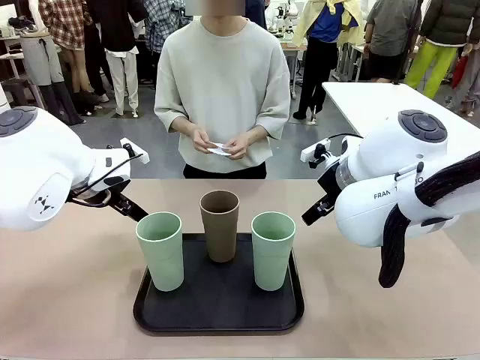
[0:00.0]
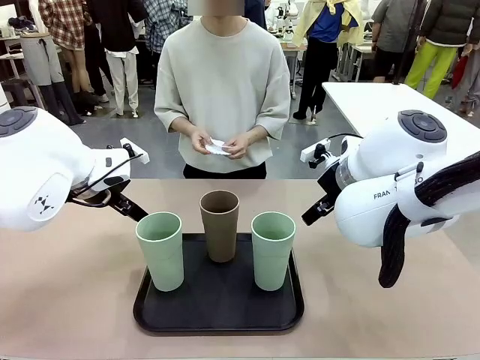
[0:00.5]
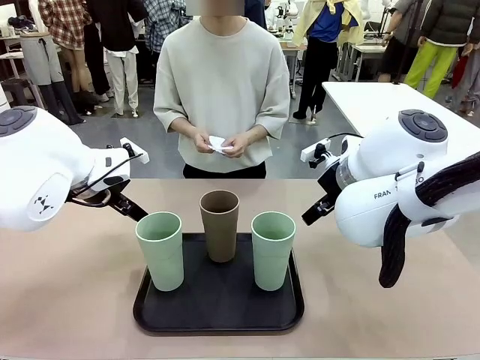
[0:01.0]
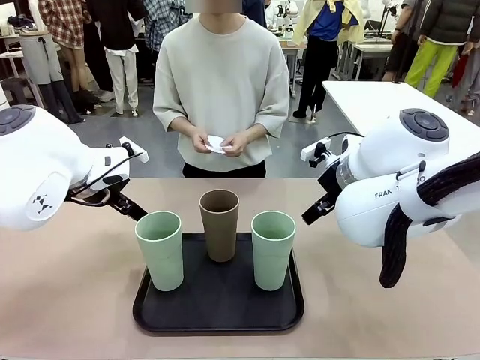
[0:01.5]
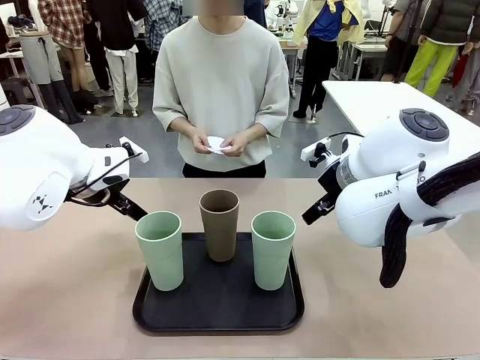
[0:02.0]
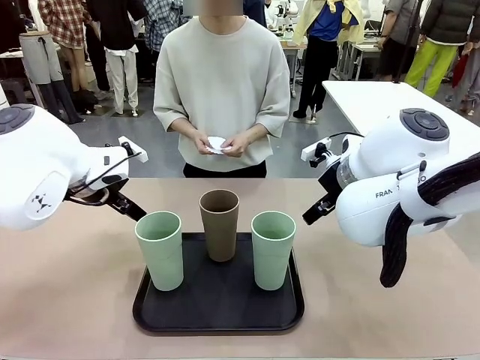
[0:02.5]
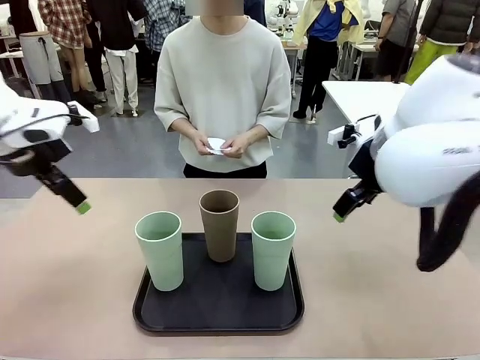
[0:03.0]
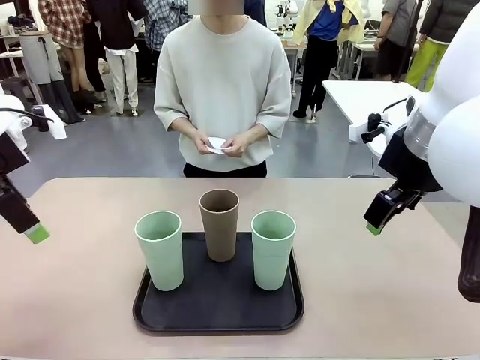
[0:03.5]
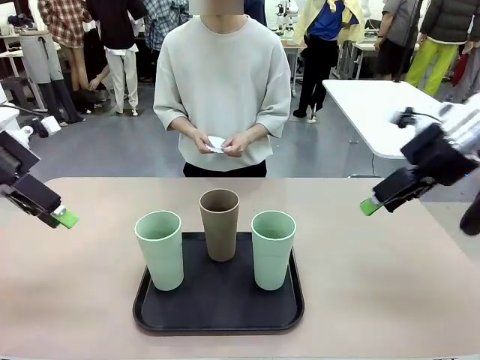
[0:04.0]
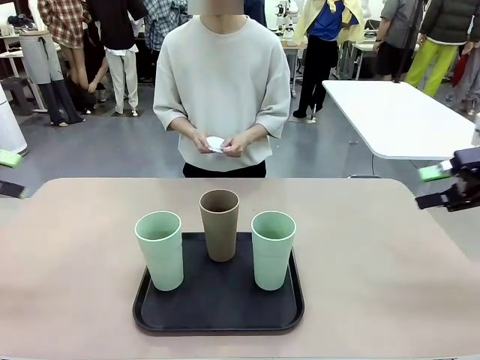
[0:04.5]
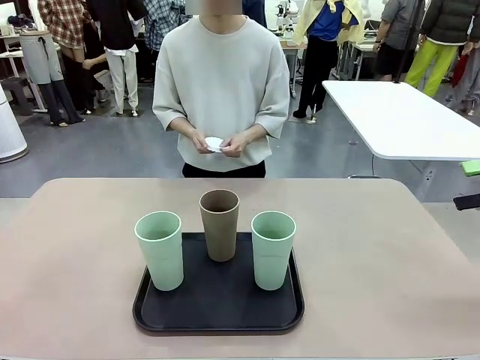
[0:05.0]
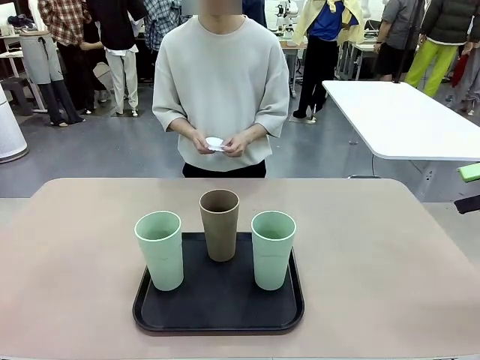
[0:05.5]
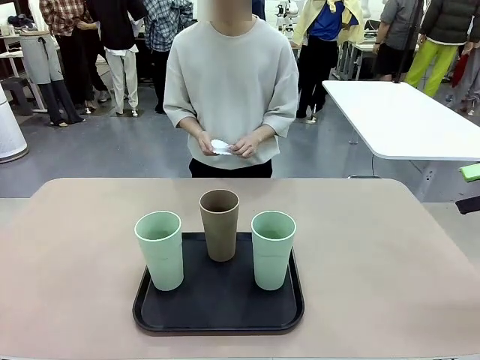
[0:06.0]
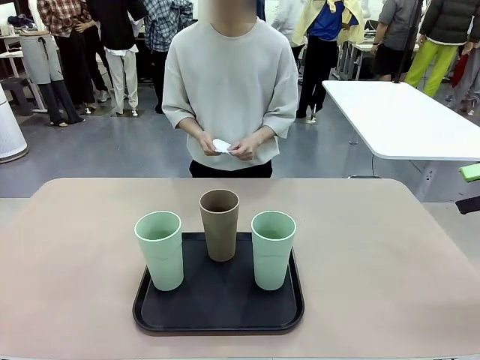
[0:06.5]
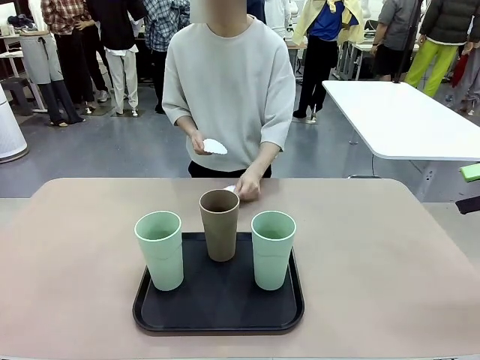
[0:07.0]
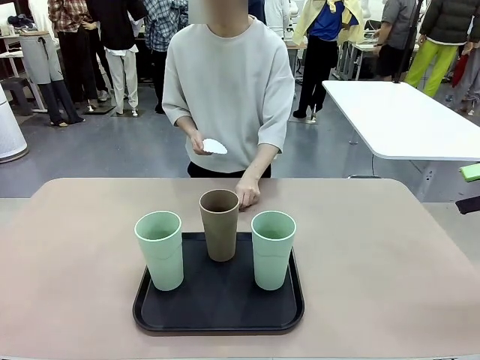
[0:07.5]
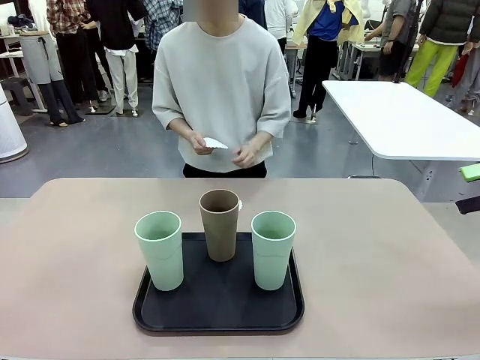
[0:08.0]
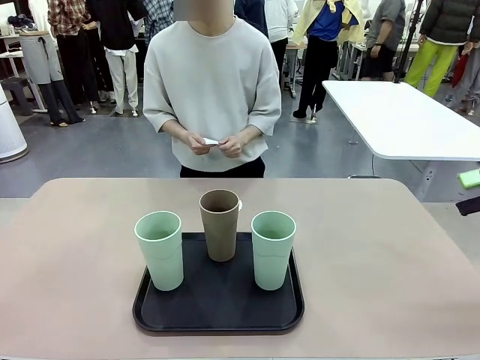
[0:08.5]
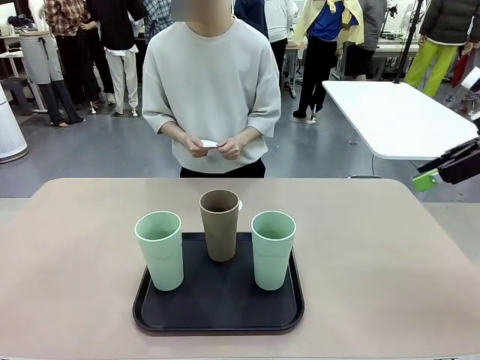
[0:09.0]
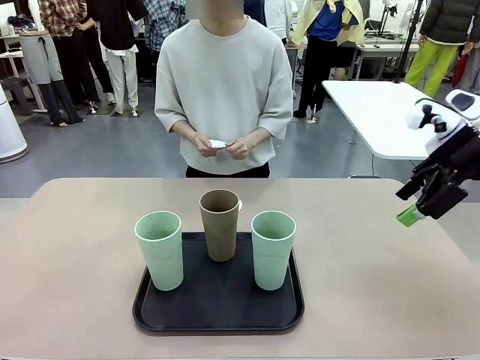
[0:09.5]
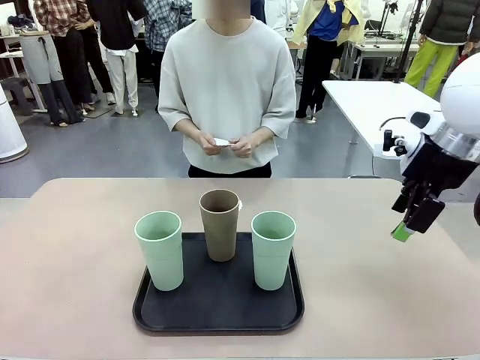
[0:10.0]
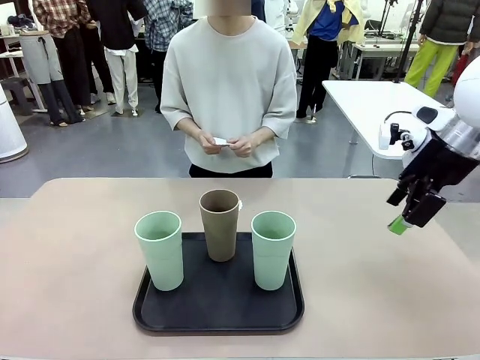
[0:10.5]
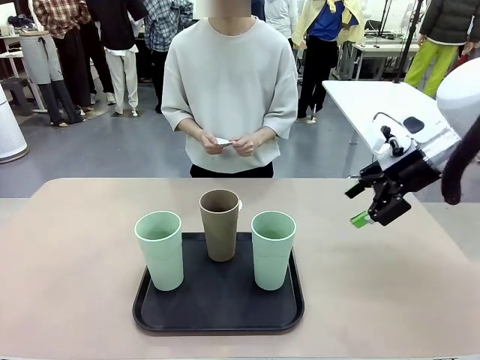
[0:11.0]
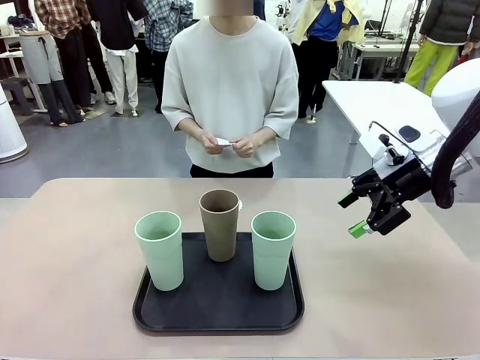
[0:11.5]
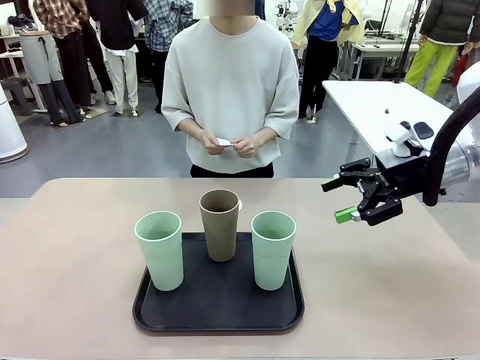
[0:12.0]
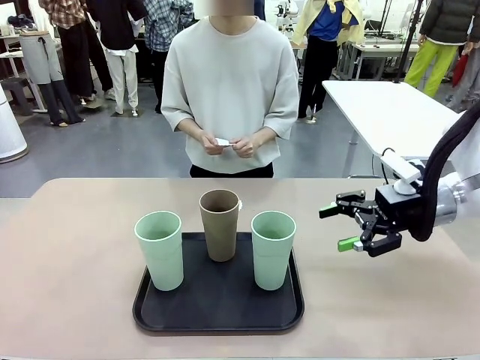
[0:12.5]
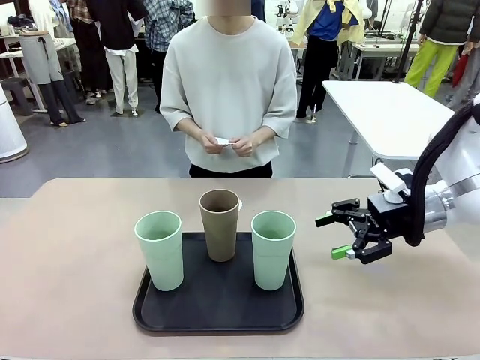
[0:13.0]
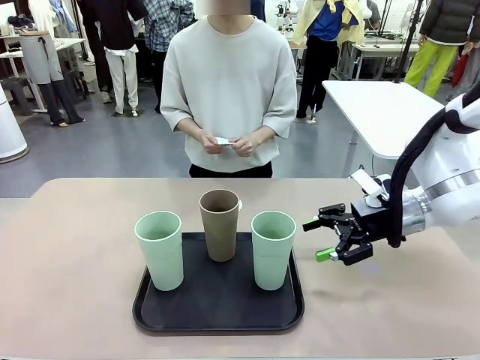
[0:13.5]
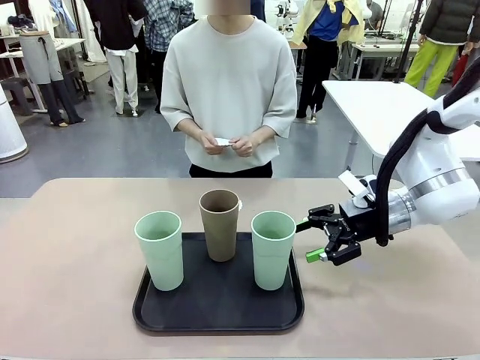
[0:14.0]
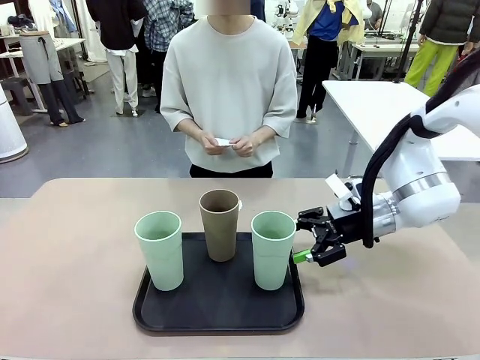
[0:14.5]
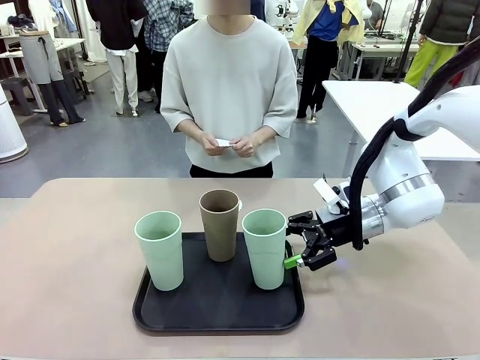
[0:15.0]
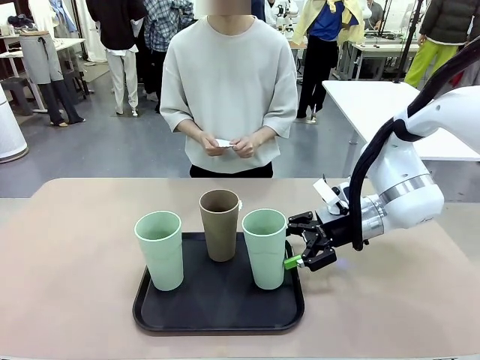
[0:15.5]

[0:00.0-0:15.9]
Task: Place coasters on the table and set cups on them.
Robot: Pick up one Reusable plastic cup and place it on a coaster set by the human.
Person: Place one coaster in any one of the three lower areas of the robot table (left, center, or right).

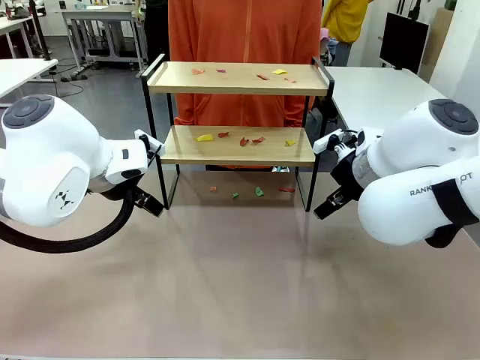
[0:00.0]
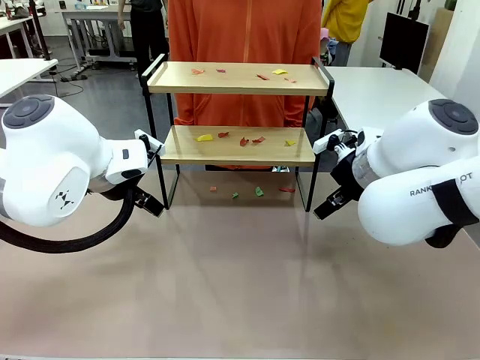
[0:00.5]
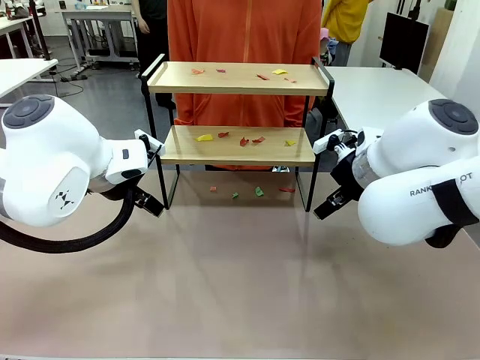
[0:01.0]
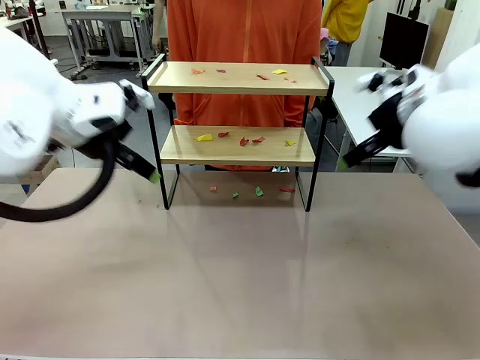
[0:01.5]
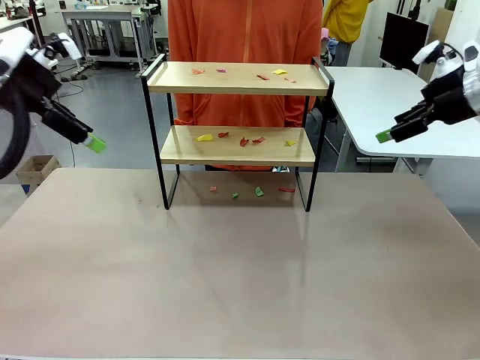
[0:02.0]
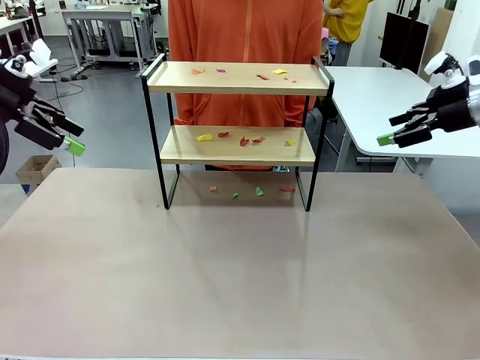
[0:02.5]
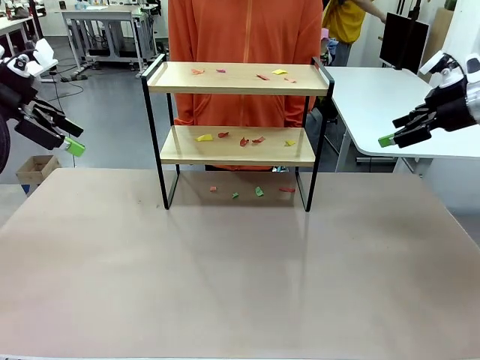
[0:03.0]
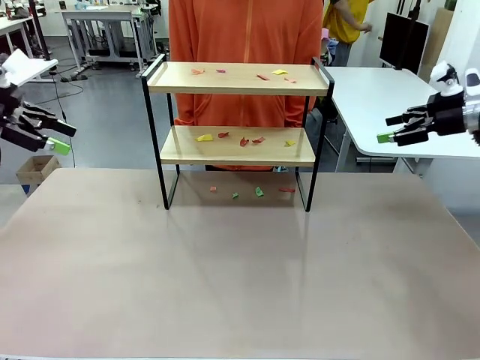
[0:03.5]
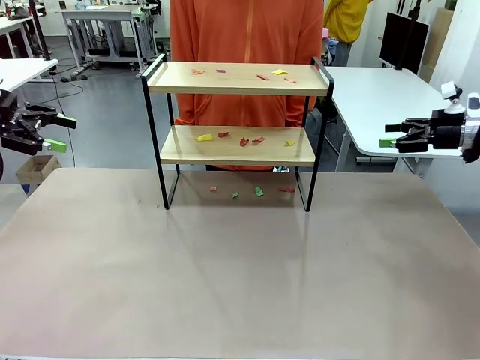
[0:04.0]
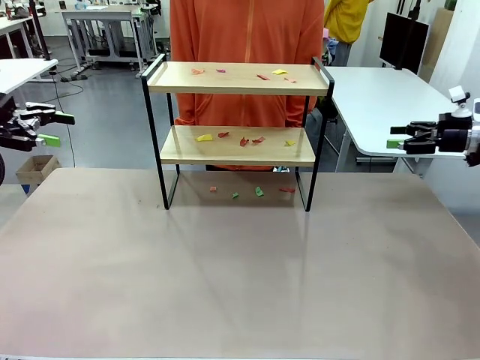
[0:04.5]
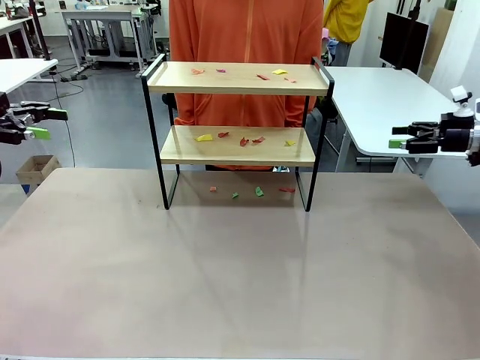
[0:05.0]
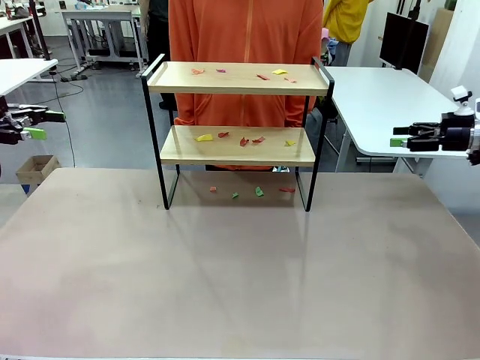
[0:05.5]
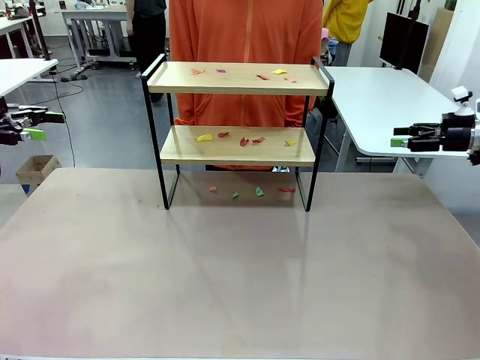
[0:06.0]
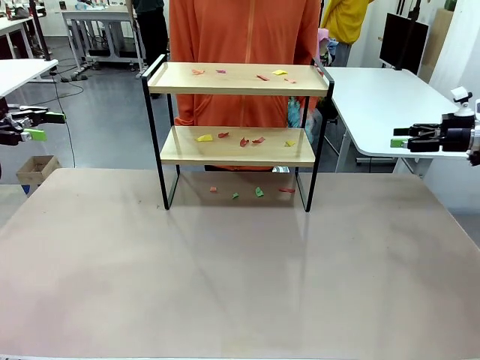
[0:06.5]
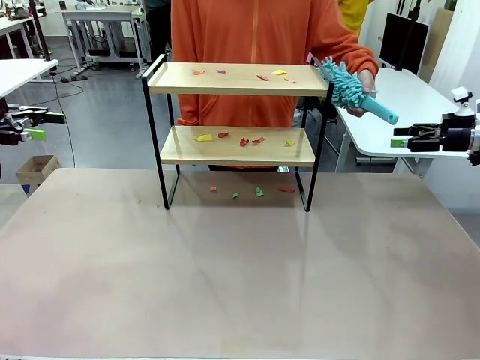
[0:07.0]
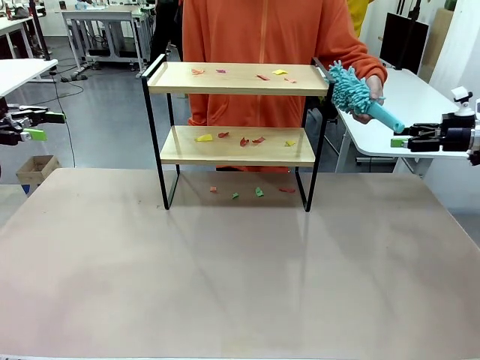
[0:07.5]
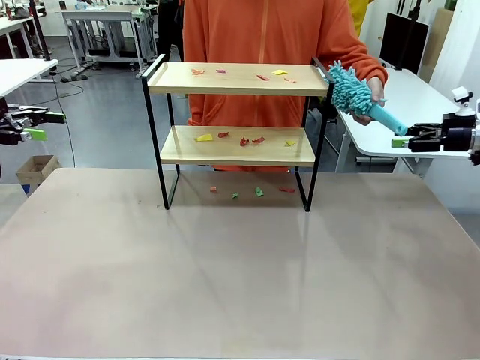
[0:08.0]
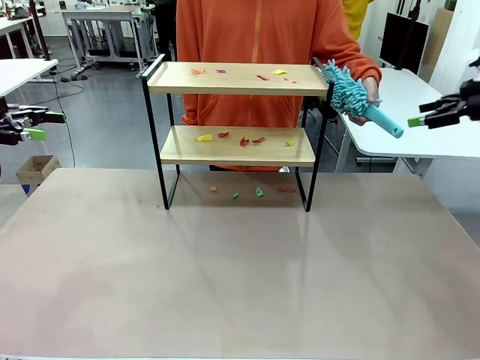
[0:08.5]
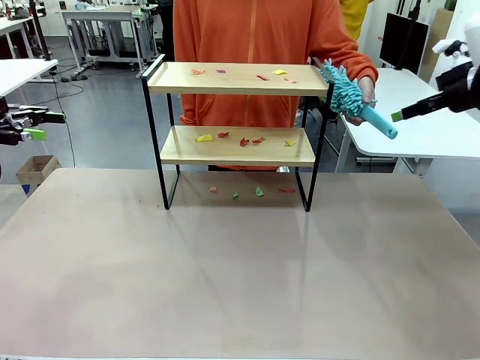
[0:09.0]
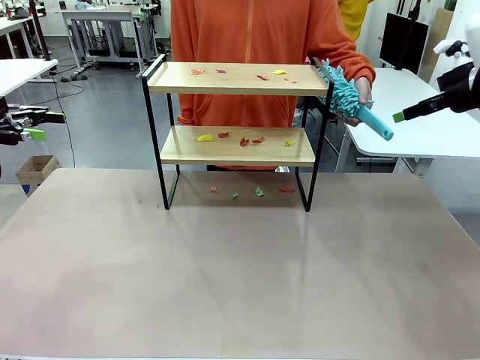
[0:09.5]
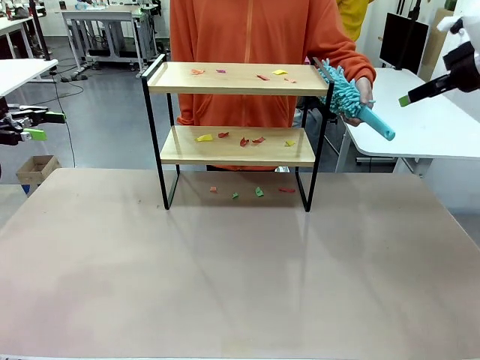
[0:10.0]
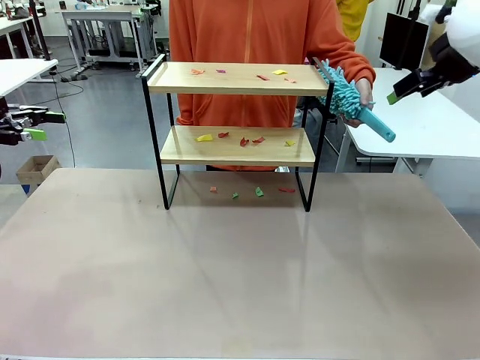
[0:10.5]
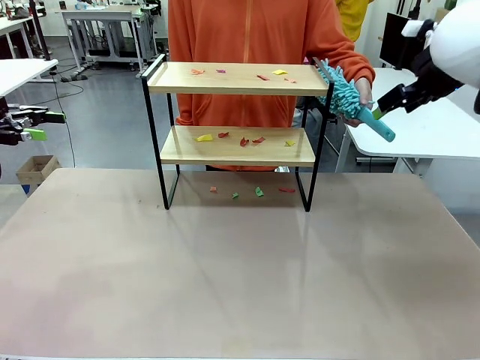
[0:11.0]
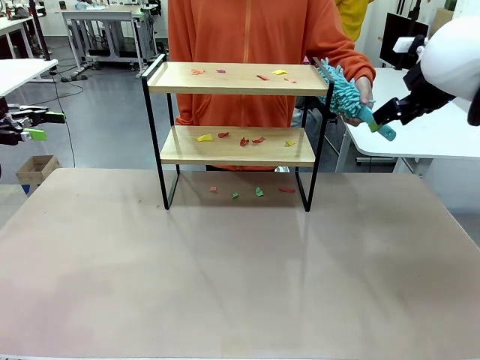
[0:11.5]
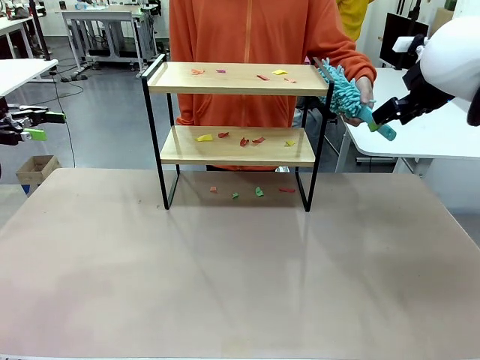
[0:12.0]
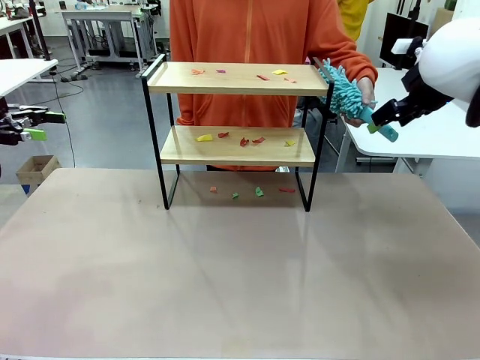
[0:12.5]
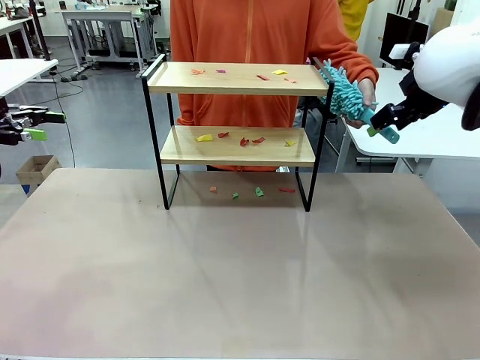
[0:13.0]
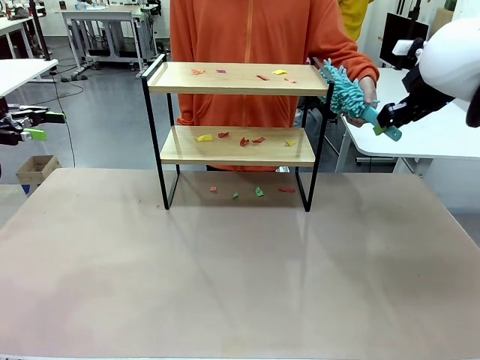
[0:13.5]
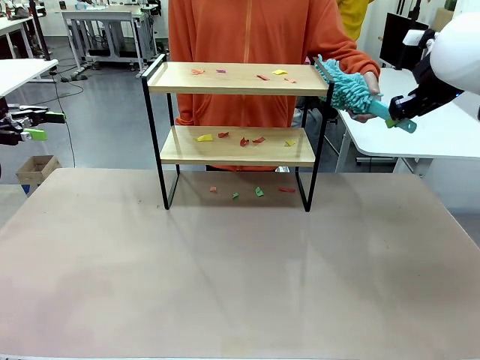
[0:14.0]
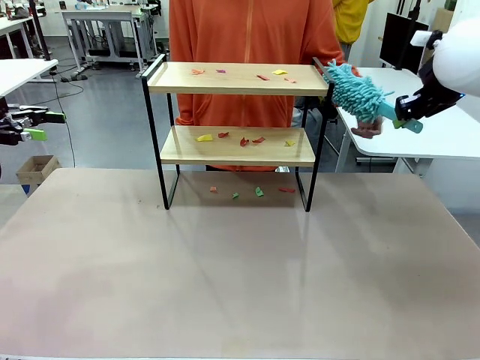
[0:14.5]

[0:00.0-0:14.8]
Task: Clean the shelf.
Robot: Pick up the Duster handed by the human.
Person: Hand the Duster to the robot.
